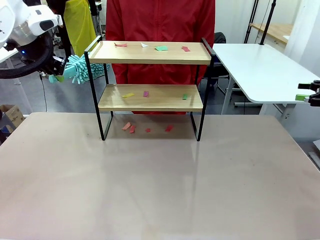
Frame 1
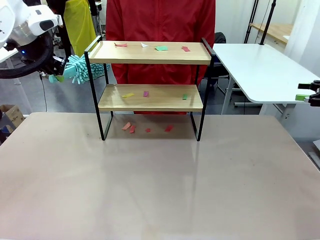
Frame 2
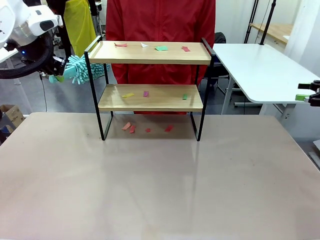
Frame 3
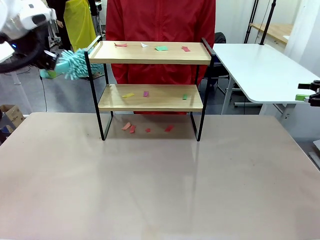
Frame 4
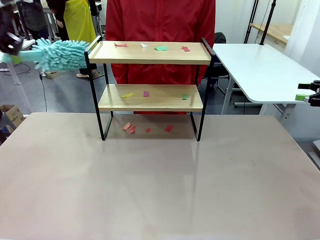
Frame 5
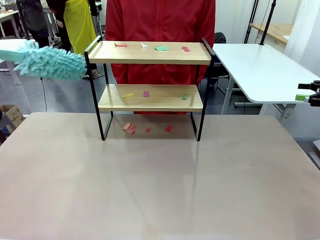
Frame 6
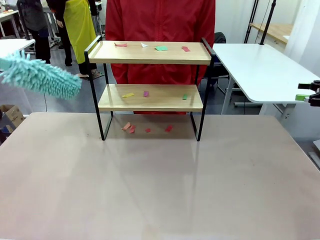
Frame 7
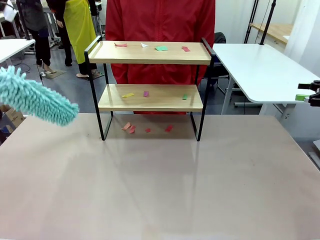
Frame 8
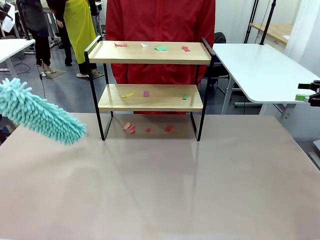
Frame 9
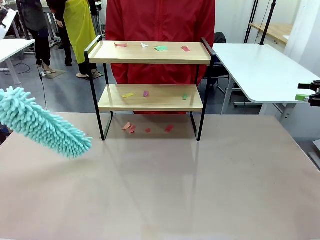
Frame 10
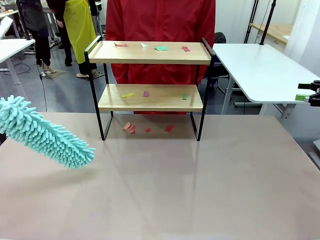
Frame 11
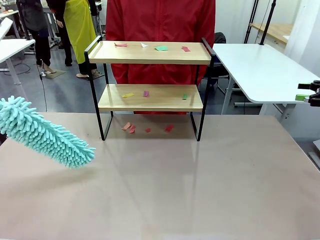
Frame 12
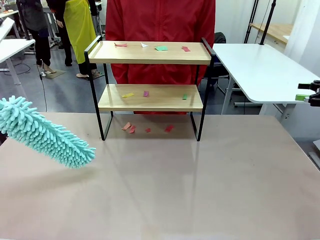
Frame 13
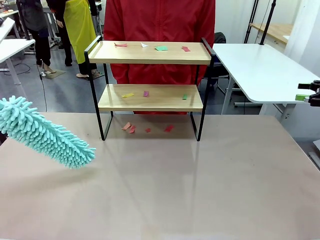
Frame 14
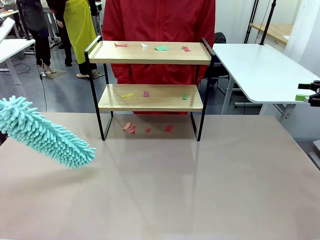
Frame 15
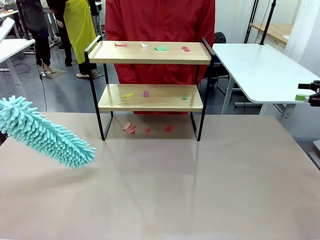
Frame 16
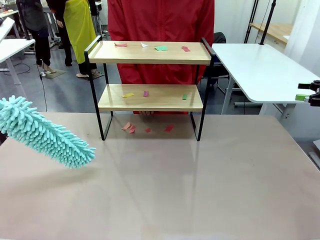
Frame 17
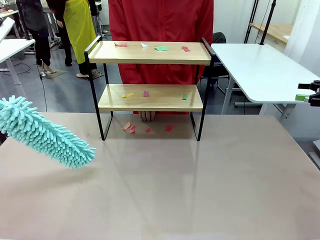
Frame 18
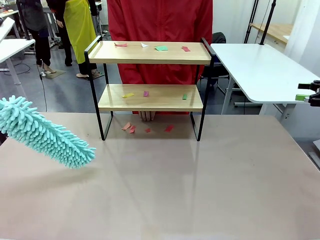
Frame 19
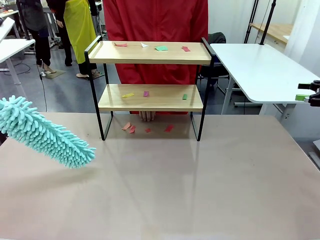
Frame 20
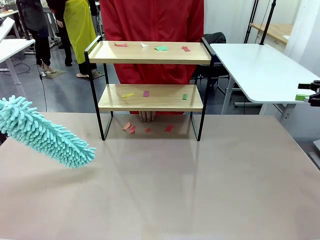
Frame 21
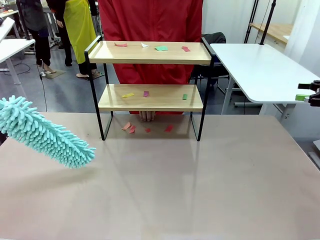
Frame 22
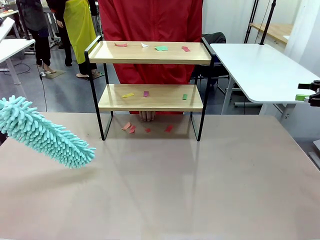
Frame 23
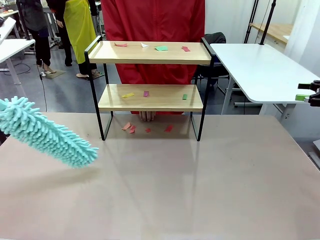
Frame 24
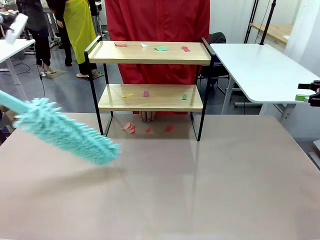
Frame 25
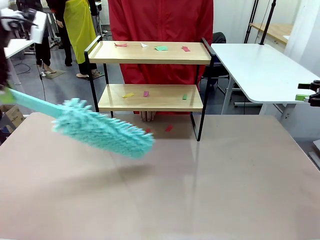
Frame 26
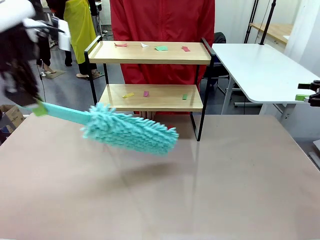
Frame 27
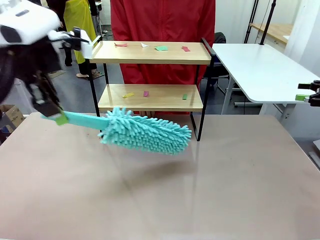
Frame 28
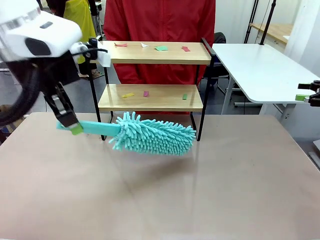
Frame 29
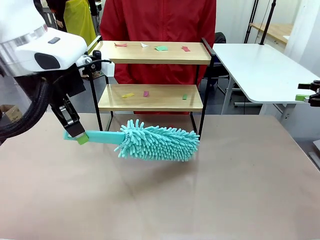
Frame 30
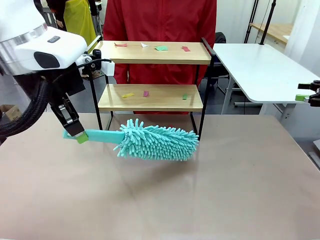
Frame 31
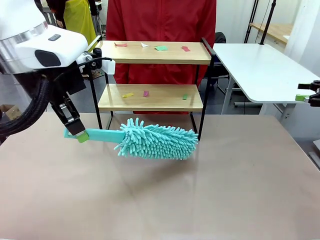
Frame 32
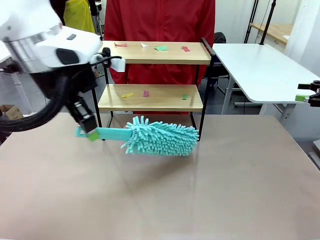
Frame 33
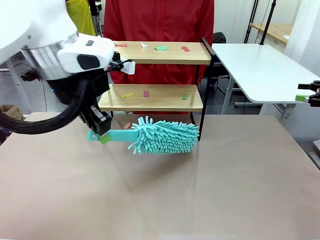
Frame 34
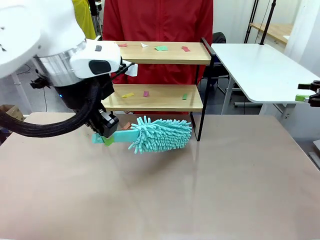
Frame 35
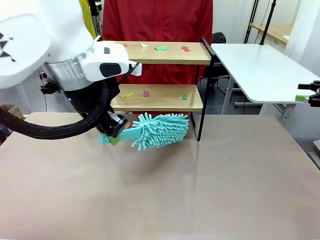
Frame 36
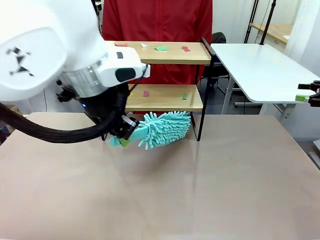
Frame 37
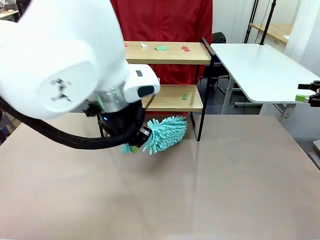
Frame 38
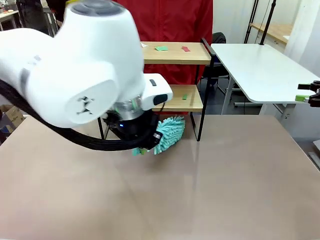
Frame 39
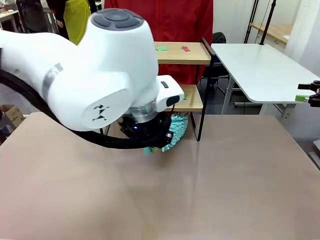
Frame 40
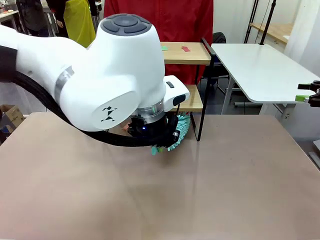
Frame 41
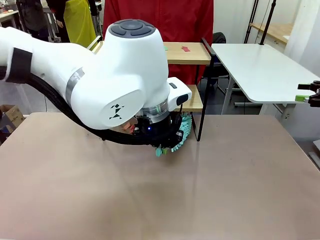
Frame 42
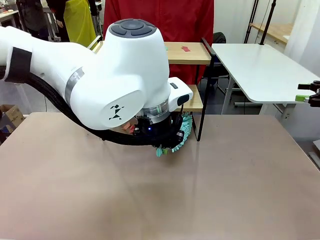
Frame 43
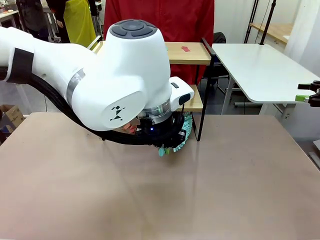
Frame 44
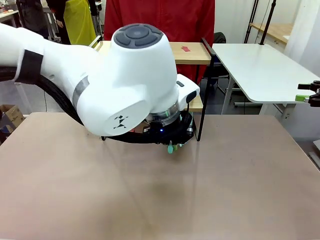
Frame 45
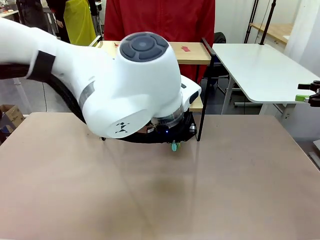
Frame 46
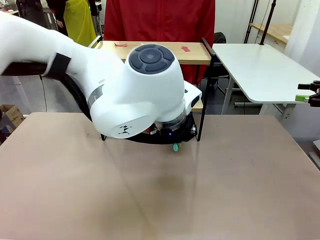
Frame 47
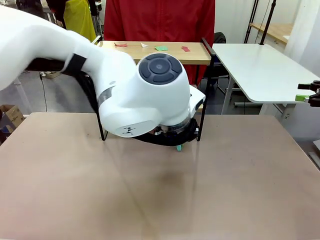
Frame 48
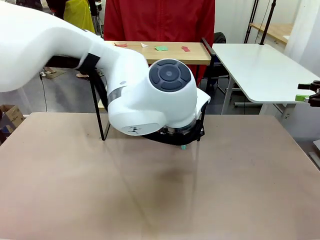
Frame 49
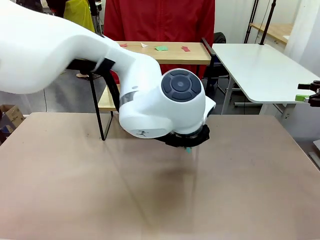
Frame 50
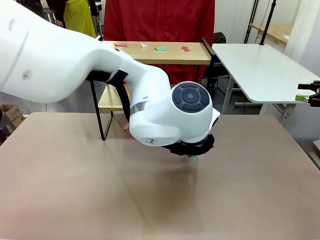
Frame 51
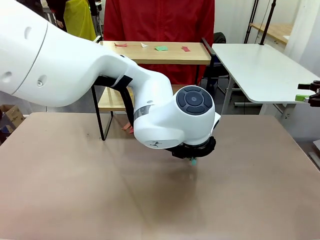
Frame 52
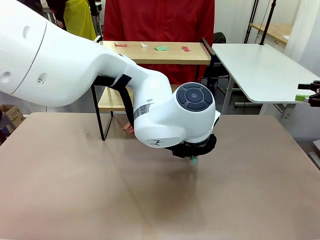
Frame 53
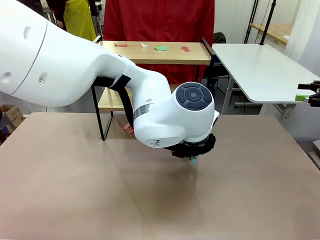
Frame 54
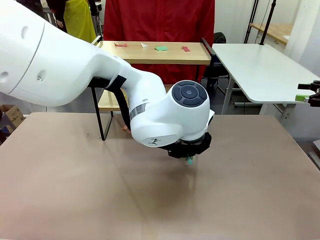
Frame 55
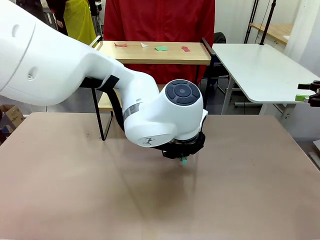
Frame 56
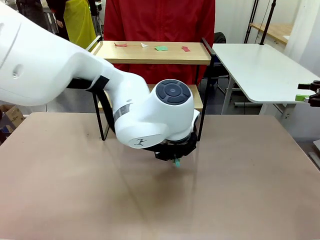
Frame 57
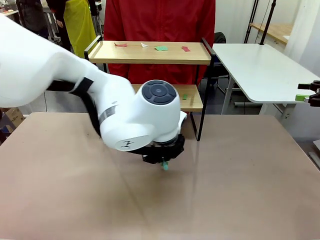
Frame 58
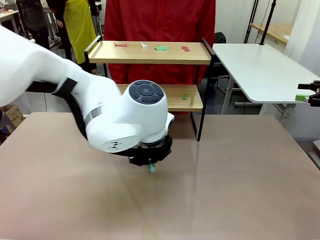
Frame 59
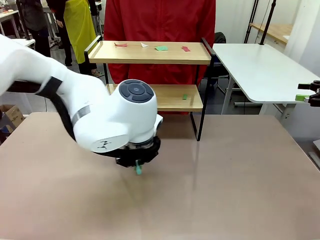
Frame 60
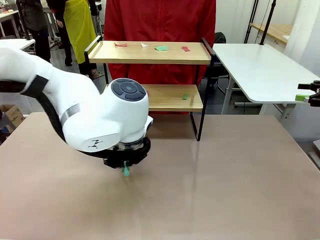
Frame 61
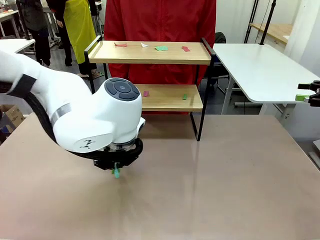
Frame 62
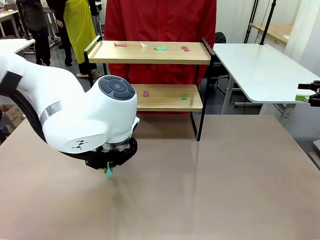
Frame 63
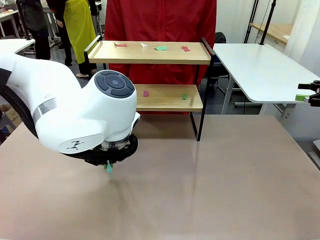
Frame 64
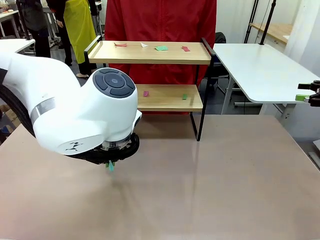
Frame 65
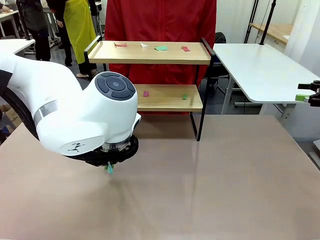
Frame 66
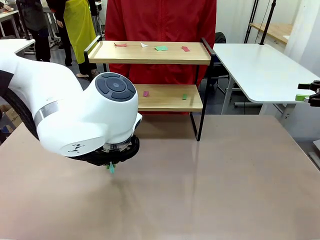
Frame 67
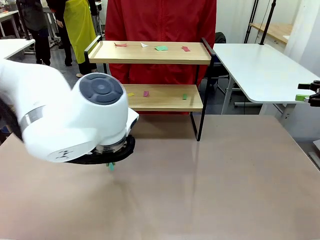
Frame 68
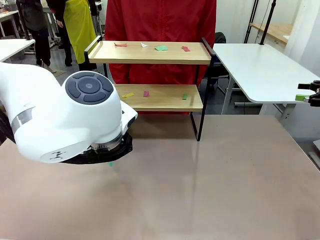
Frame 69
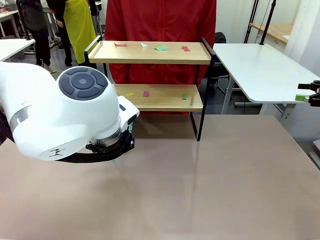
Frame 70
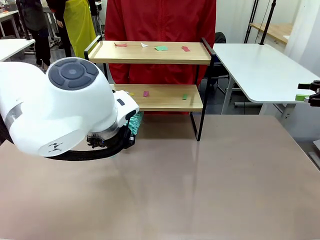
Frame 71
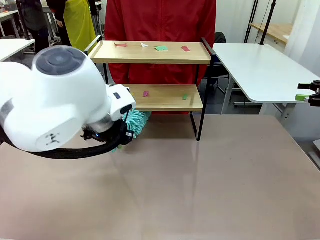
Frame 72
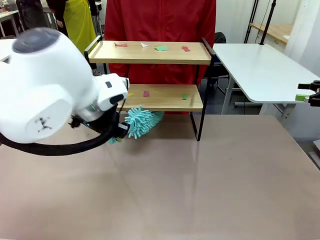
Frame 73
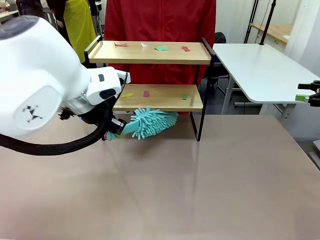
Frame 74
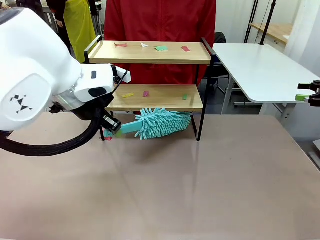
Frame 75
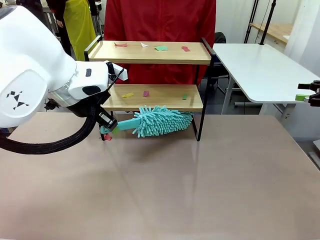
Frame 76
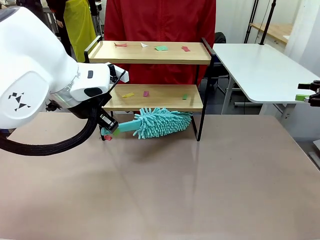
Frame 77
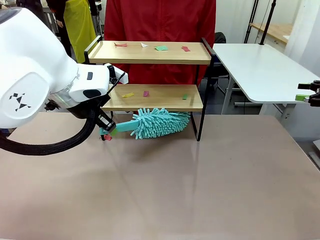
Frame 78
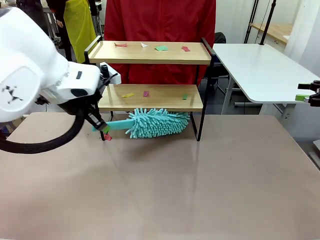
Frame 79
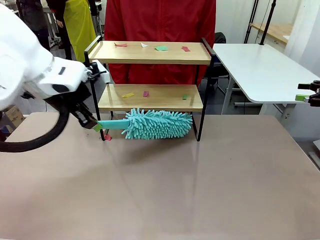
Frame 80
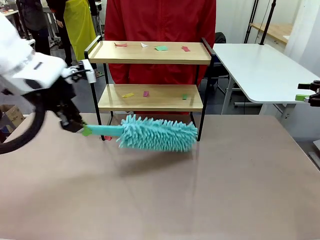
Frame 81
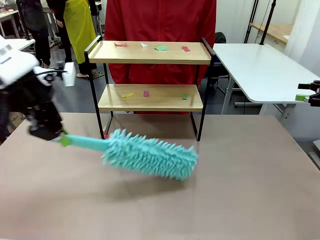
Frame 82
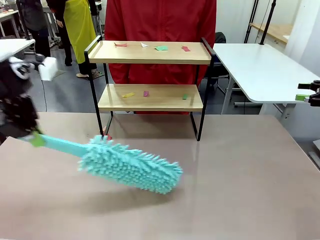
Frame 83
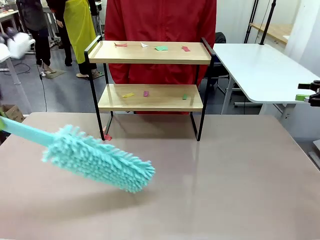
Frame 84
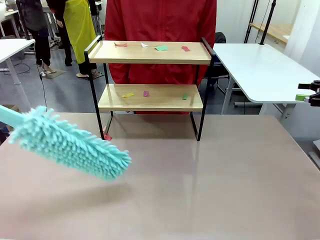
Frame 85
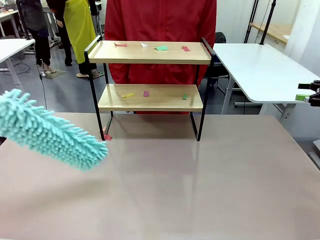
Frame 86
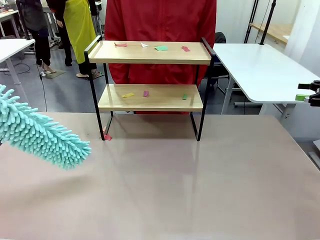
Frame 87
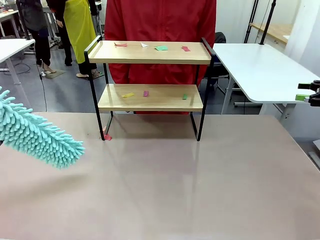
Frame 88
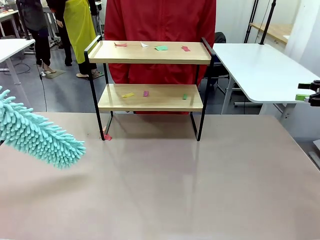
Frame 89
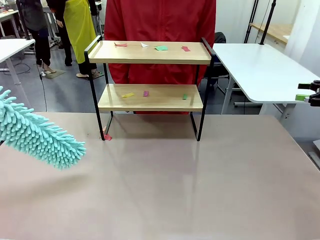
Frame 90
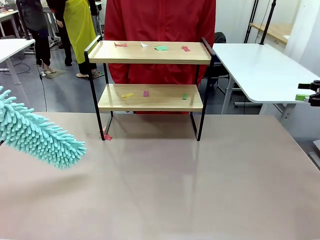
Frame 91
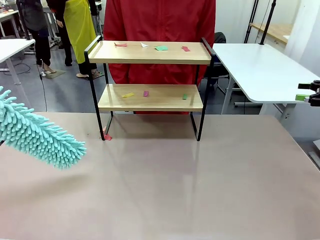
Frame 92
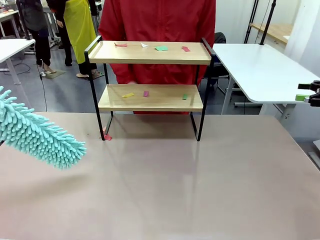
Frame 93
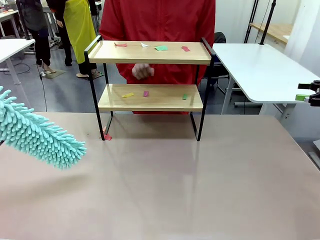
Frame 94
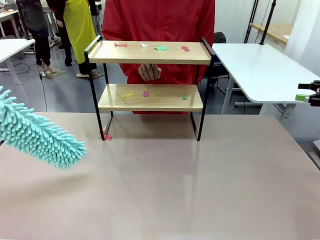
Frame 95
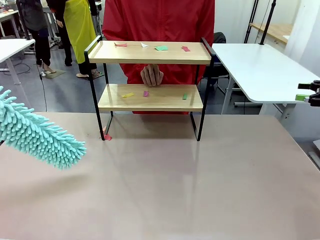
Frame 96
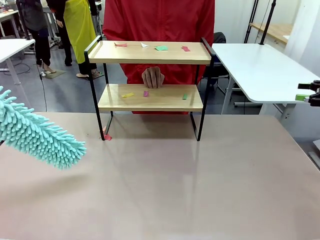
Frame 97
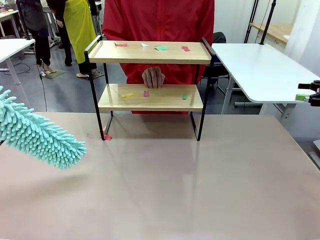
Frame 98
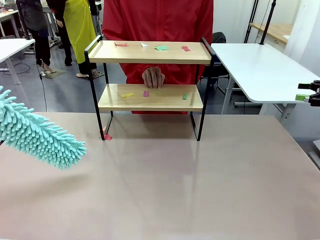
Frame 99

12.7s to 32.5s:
Task: Clean the shelf.
Robot: Clean the specific section of the Shelf indicated by the human with the Duster.
Person: Point a random section of the Shelf.
